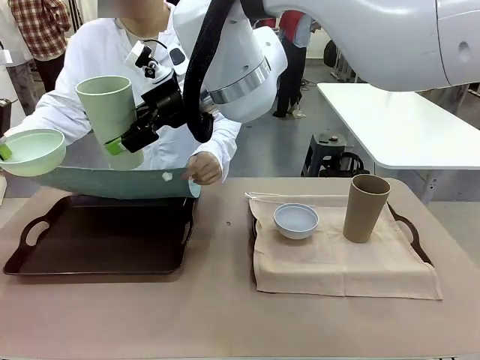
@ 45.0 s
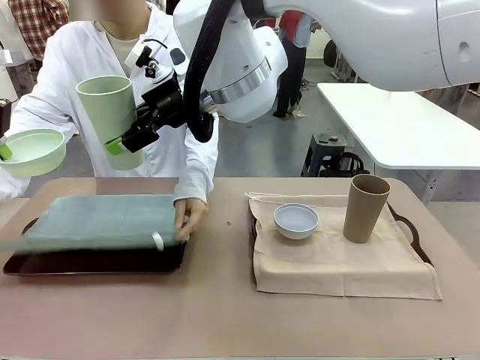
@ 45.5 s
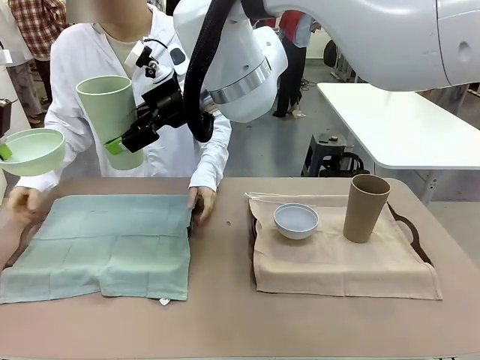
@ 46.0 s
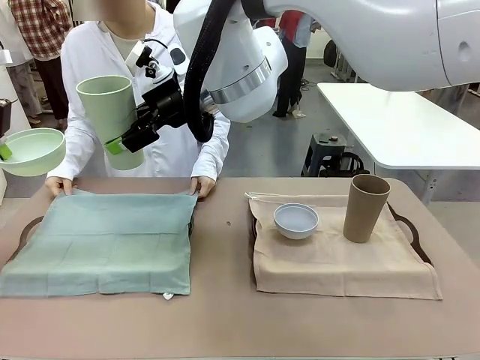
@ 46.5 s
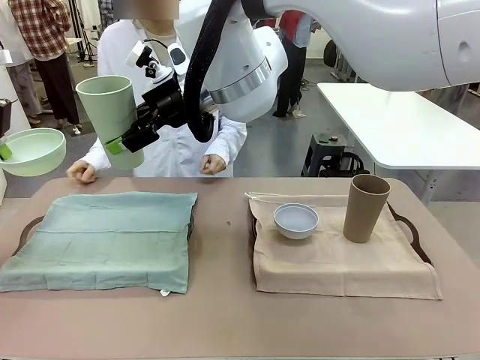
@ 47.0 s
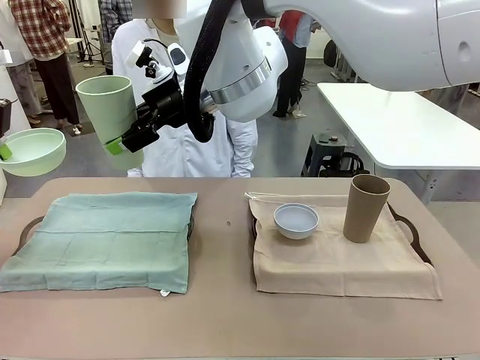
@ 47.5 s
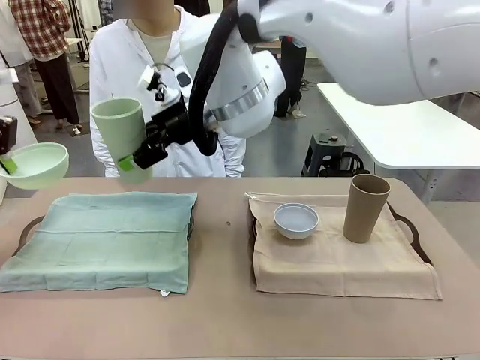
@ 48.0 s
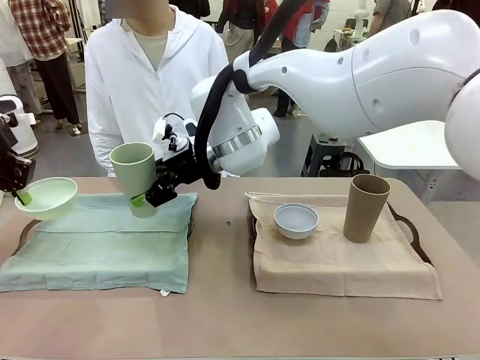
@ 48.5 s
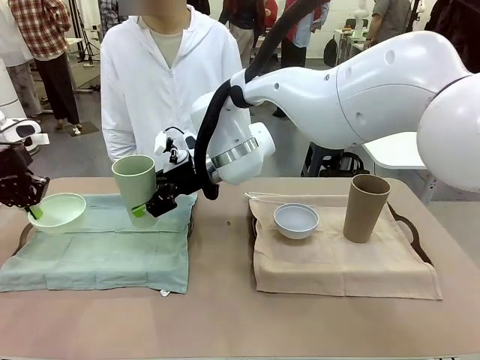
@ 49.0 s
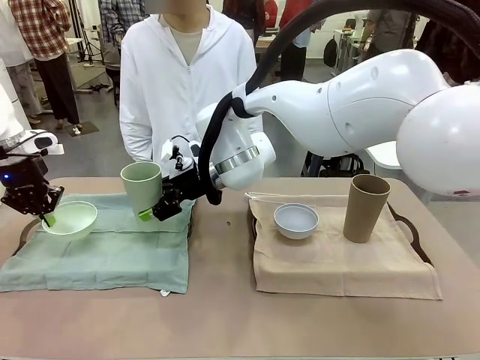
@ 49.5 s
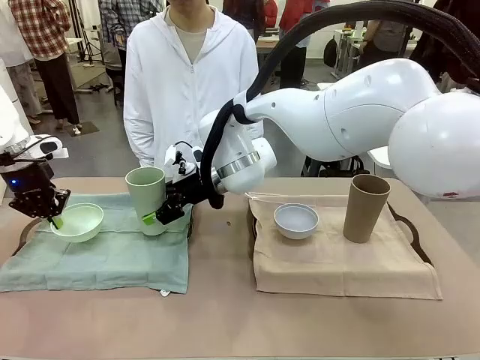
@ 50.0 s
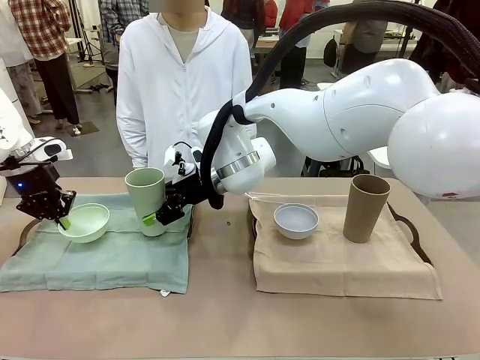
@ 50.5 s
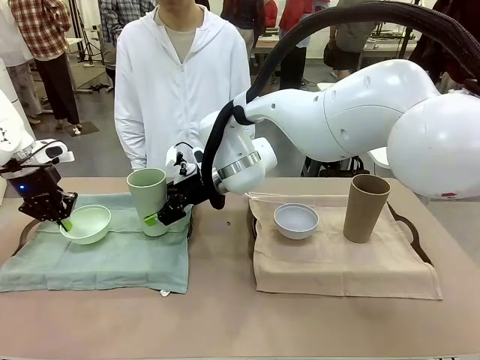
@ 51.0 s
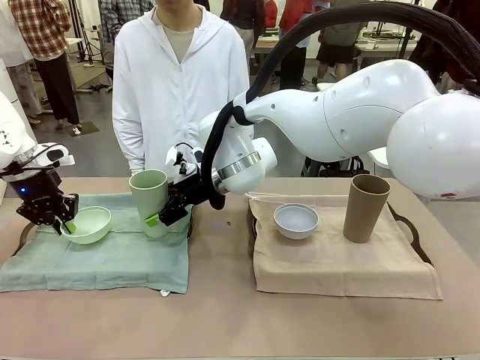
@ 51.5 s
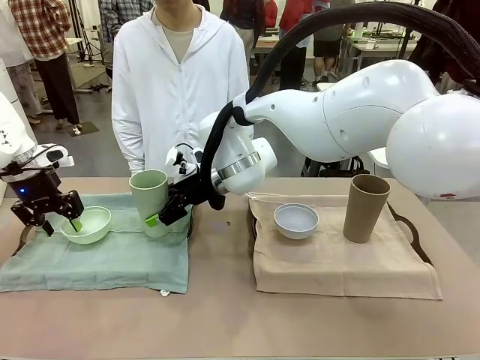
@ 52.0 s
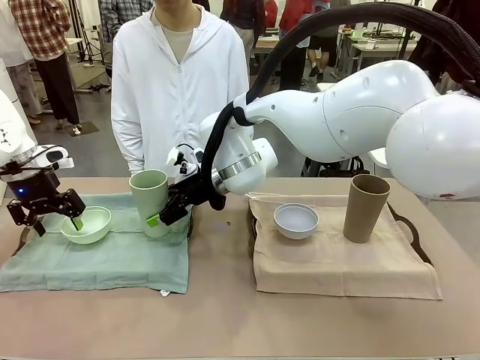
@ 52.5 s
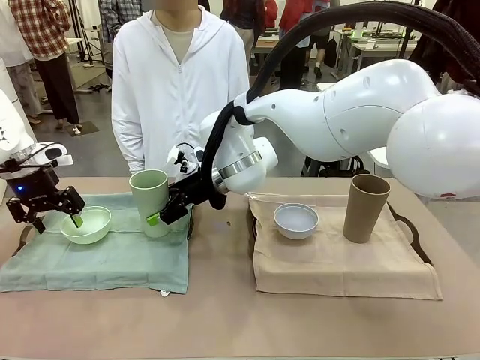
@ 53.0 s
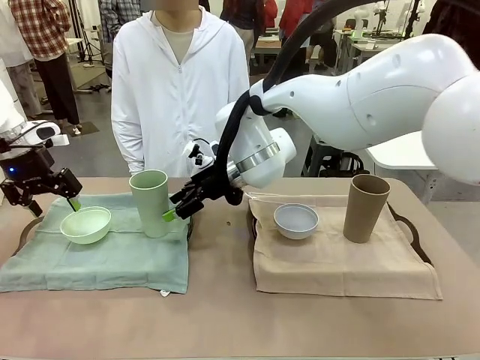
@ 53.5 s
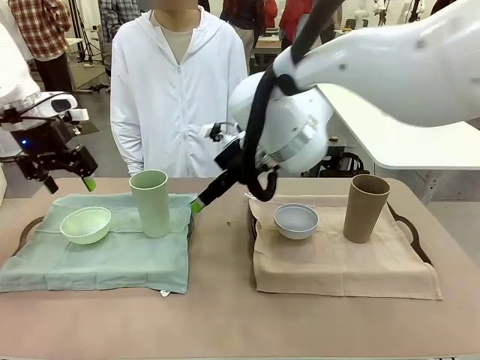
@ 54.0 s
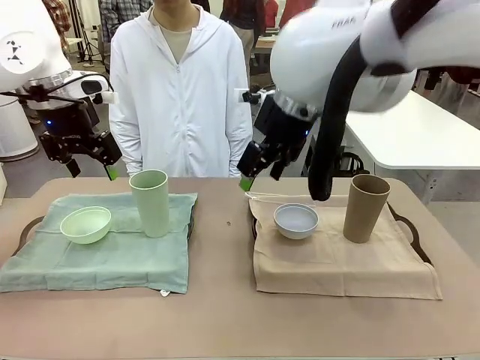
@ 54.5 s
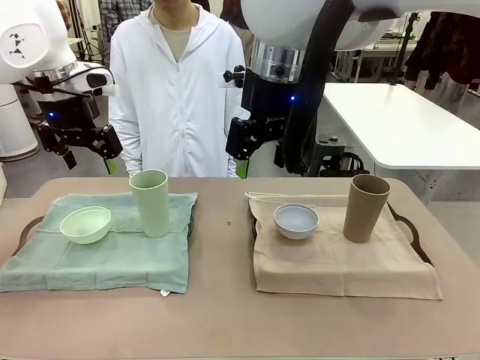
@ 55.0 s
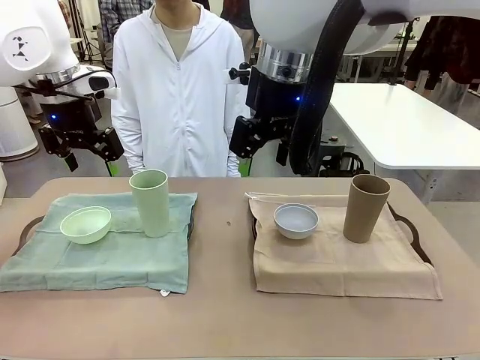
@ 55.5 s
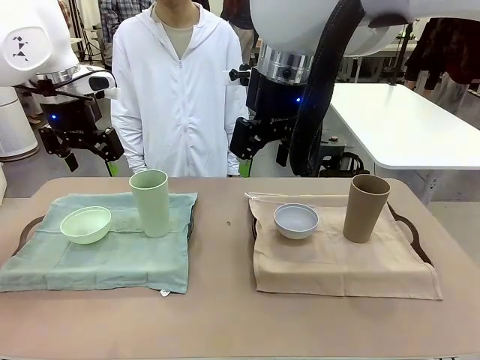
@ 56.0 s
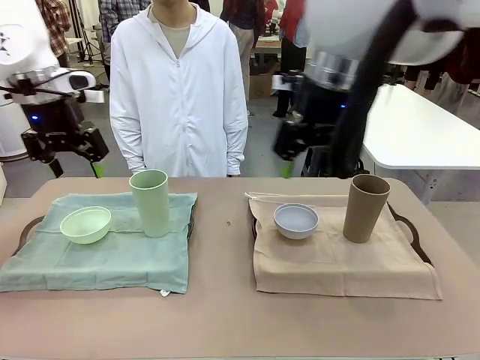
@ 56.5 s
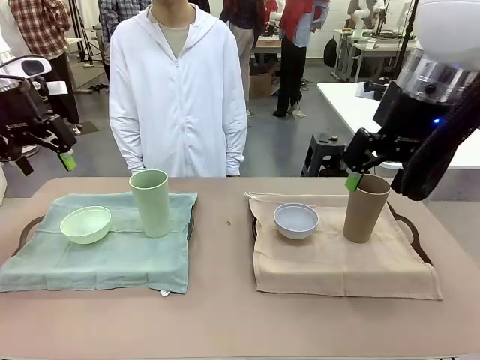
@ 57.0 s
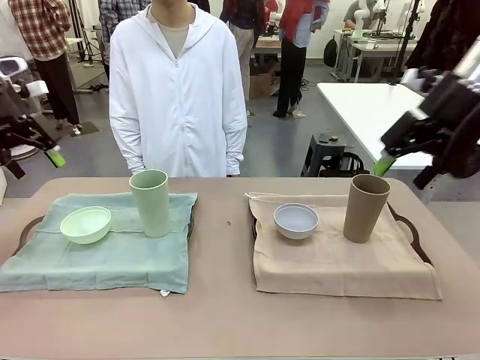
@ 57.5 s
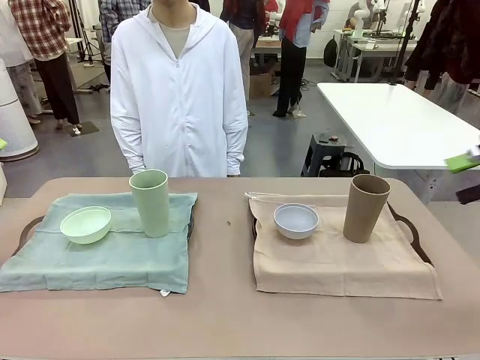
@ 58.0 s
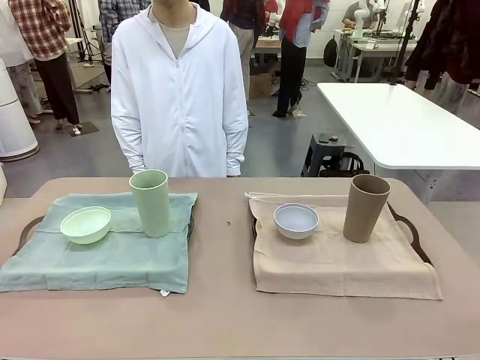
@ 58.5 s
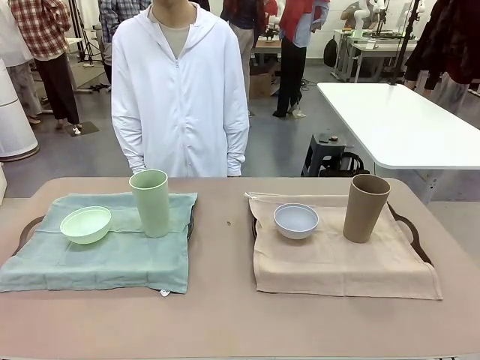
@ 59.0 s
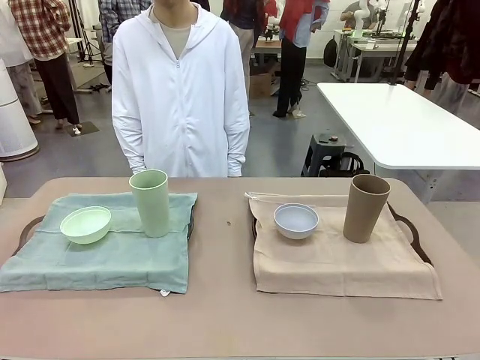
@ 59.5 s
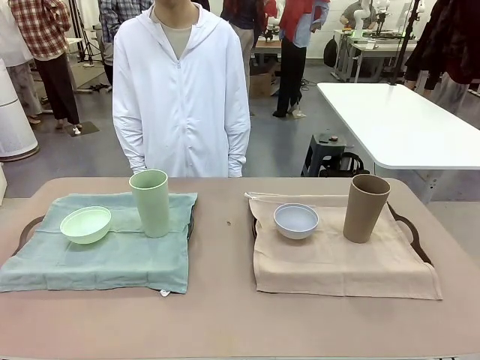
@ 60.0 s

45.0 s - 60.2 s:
Robot: Place the Picnic Bowl and Reusable plastic cup back onto the Handle tray in front of the human's position.
Person: When the robot lifts the bowl and the cup, the human unfolds the napkin and lays the napkin flat on the tray.

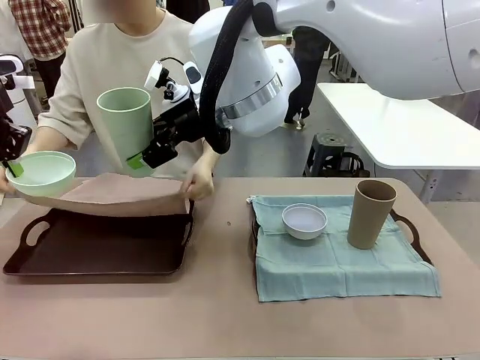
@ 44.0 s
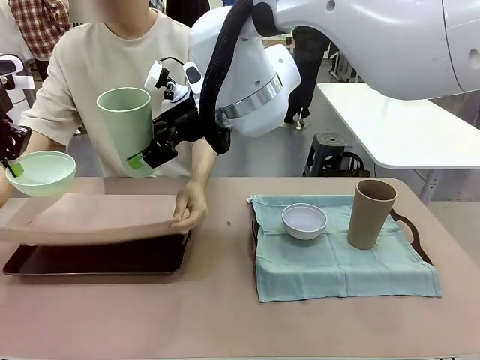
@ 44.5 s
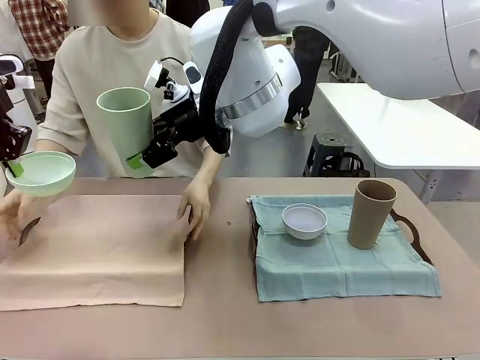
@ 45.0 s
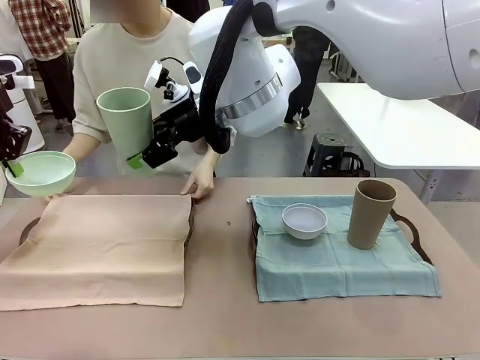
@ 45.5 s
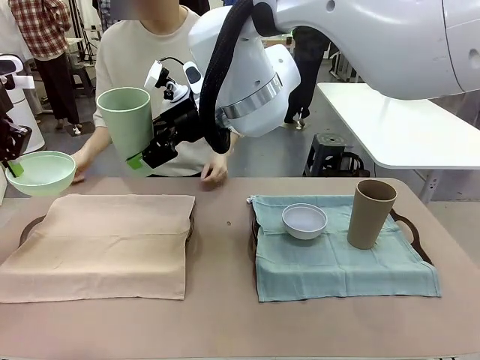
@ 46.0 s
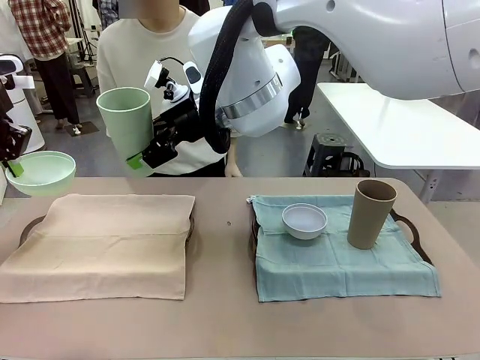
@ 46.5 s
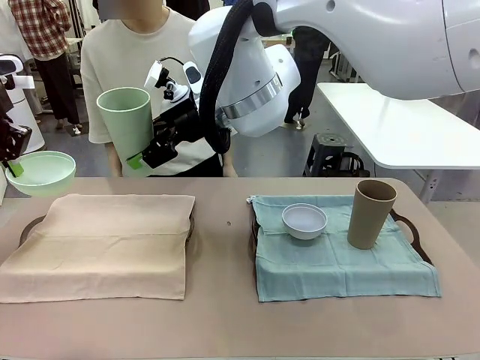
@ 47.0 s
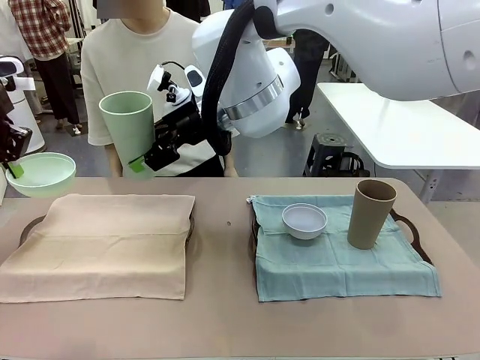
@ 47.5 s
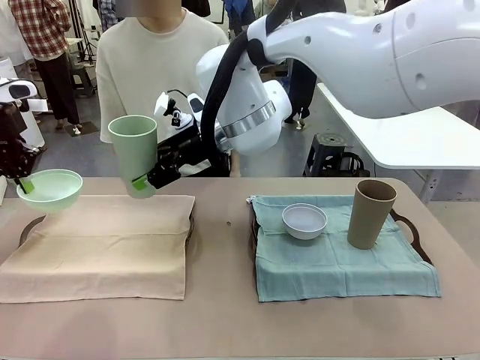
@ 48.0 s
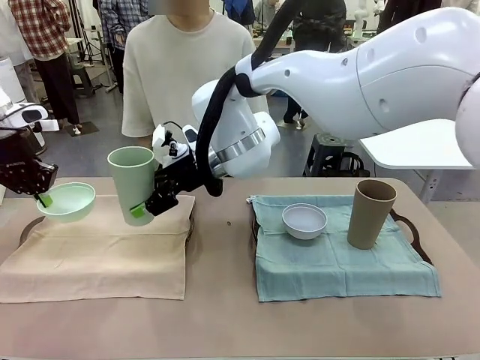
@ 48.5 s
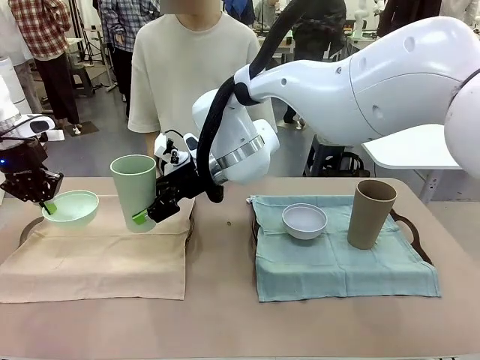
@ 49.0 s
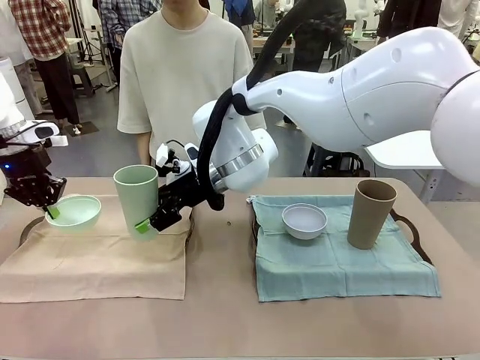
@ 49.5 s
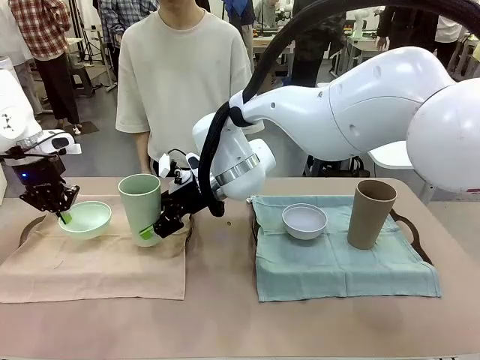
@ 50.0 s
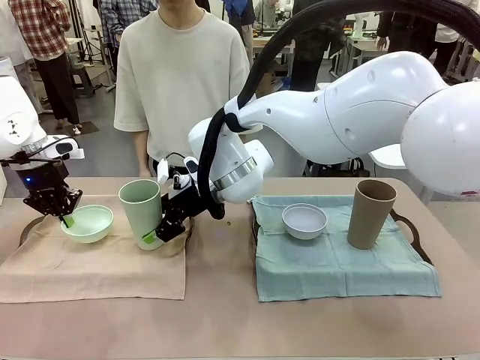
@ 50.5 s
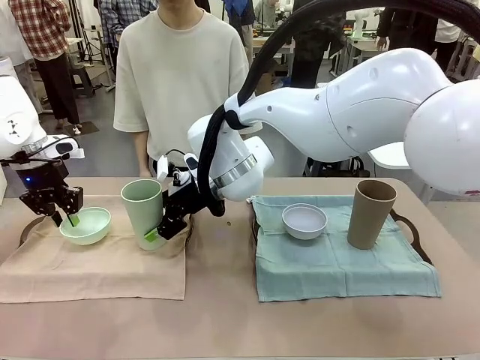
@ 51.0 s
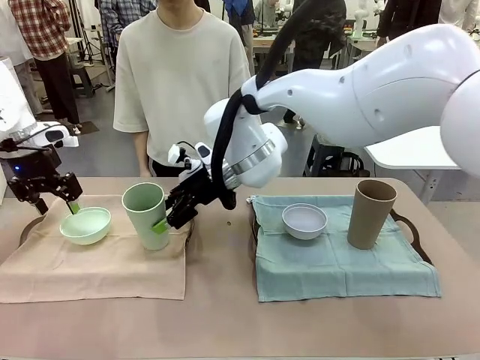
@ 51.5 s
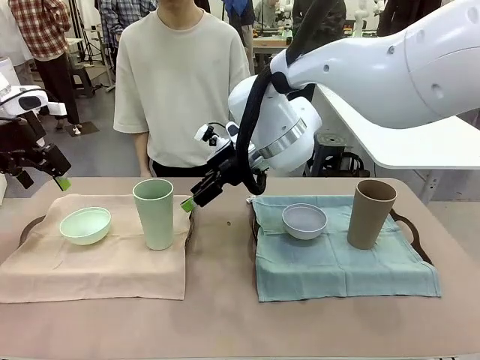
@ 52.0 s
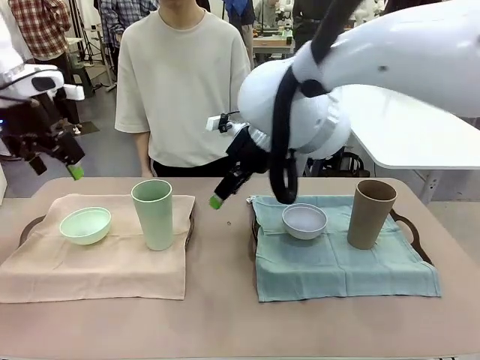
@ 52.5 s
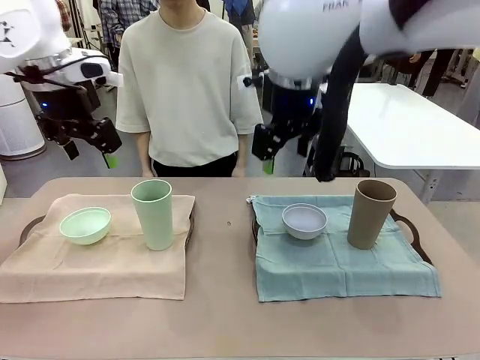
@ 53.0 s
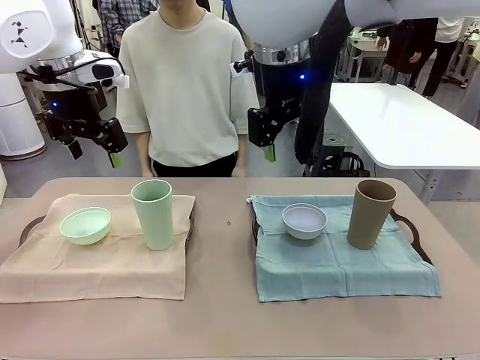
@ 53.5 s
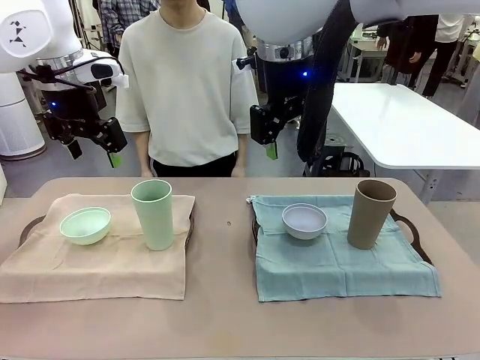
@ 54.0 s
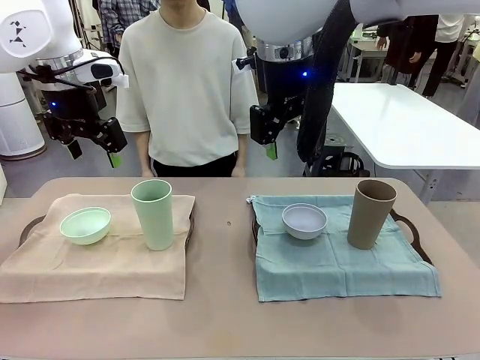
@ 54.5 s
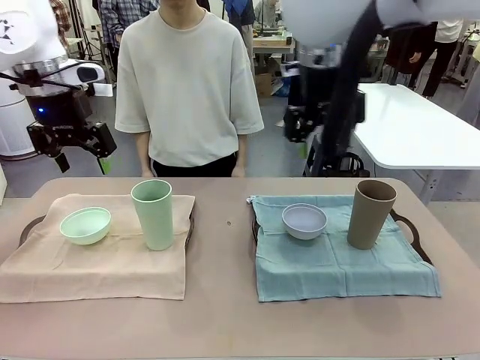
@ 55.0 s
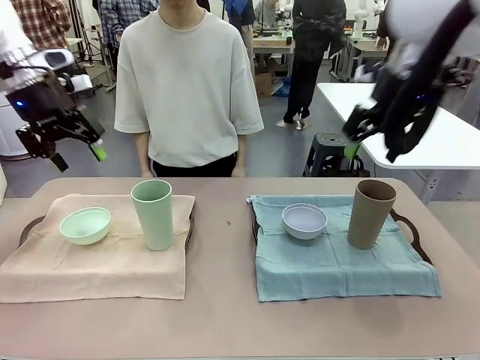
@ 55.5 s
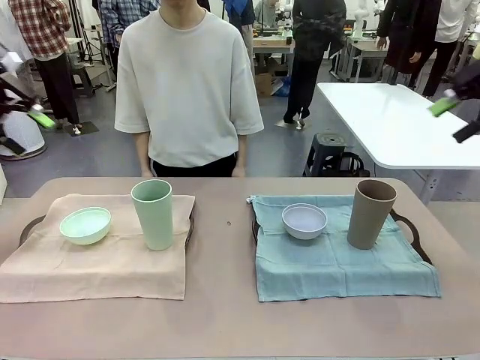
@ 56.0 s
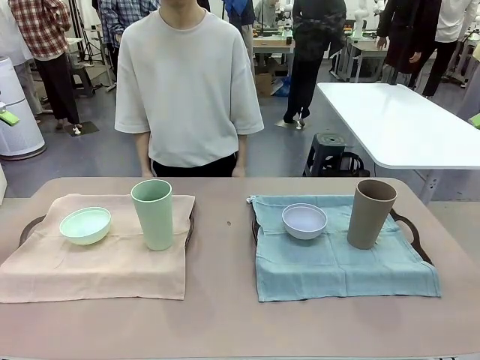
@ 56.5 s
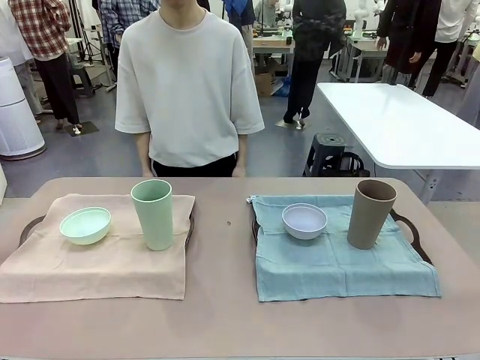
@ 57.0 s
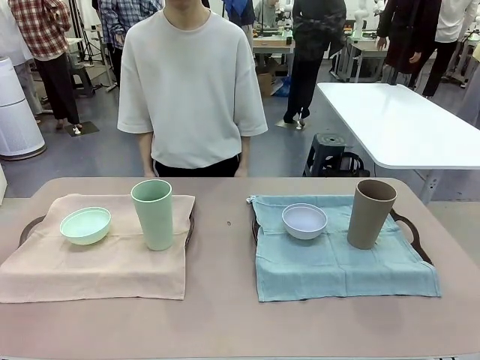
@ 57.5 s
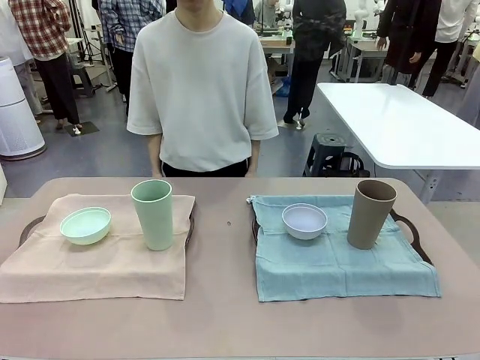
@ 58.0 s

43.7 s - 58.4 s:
Robot: Place the Picnic Bowl and Reusable plastic cup back onto the Handle tray in front of the human's position.
Person: When the robot lifts the bowl and the cup, the human unfolds the napkin and lays the napkin flat on the tray.
